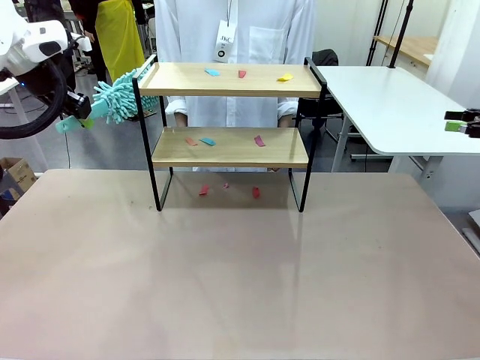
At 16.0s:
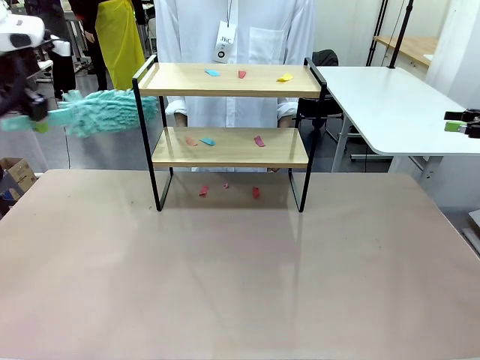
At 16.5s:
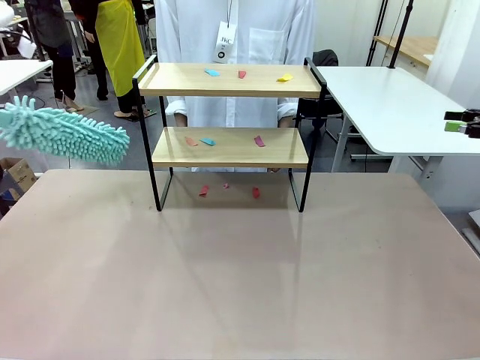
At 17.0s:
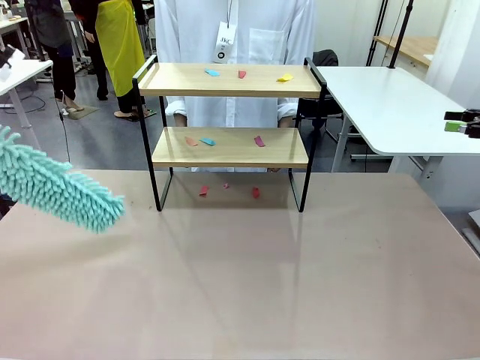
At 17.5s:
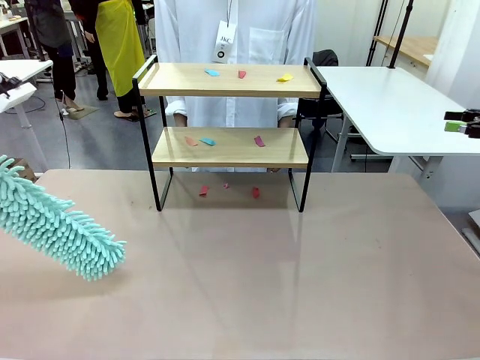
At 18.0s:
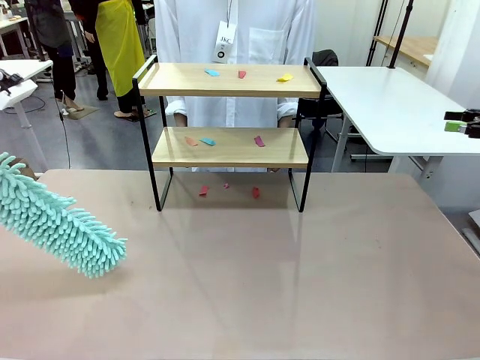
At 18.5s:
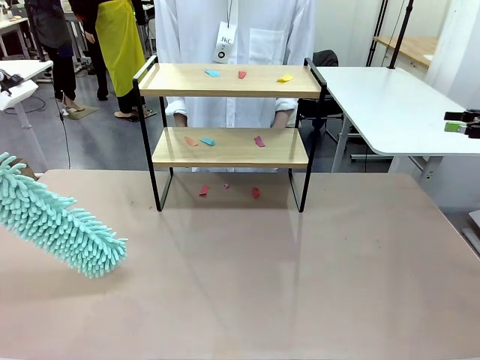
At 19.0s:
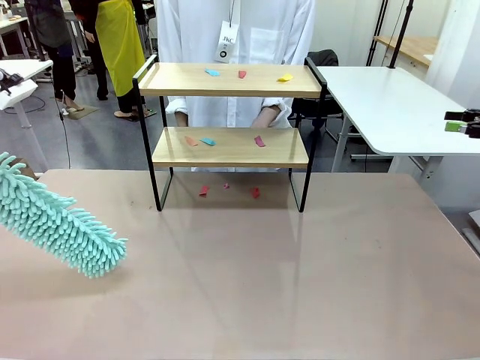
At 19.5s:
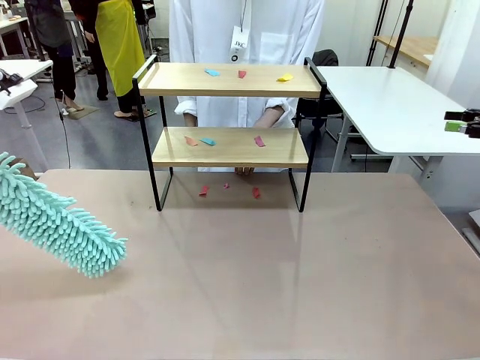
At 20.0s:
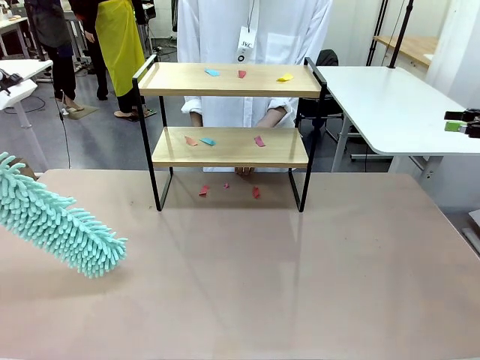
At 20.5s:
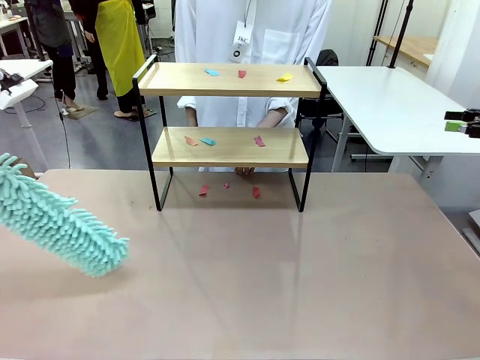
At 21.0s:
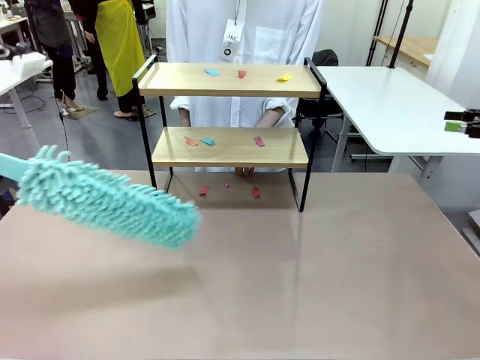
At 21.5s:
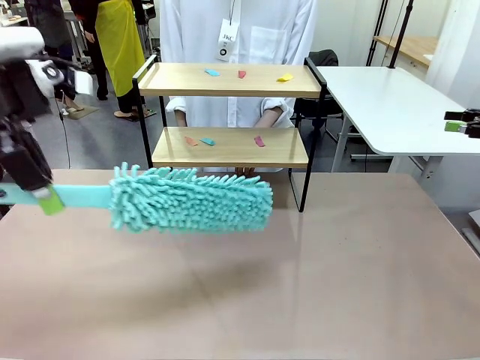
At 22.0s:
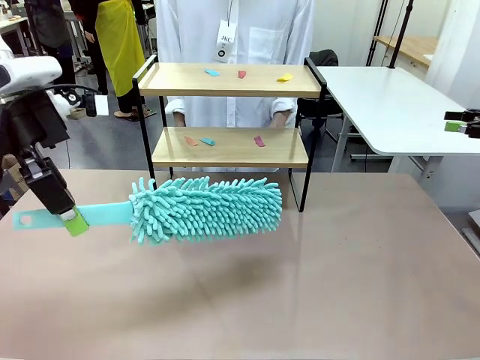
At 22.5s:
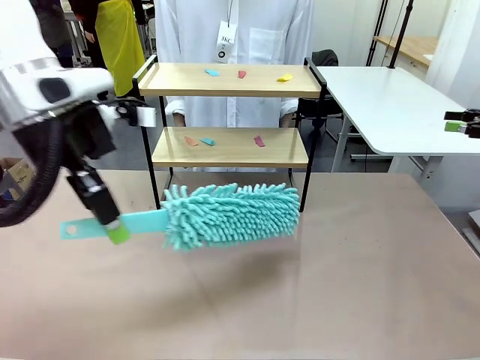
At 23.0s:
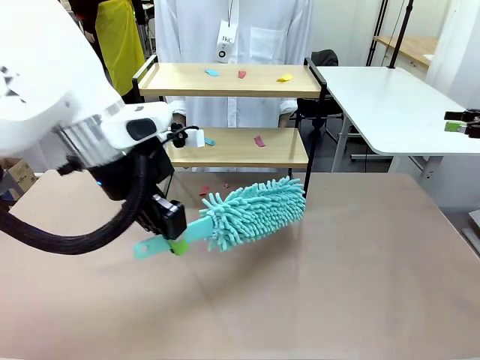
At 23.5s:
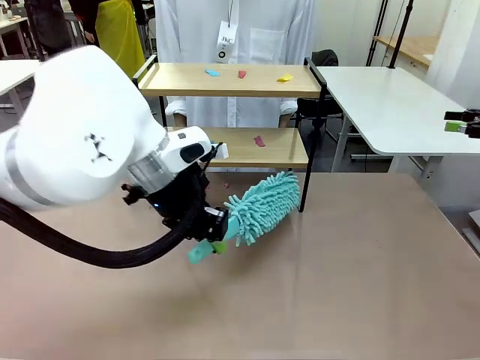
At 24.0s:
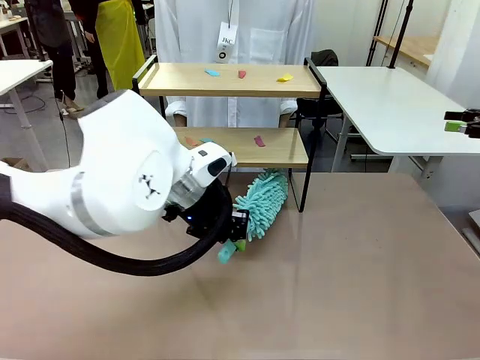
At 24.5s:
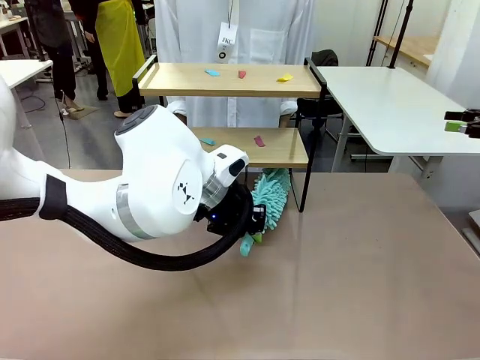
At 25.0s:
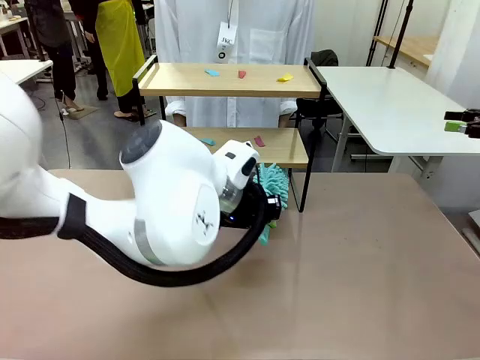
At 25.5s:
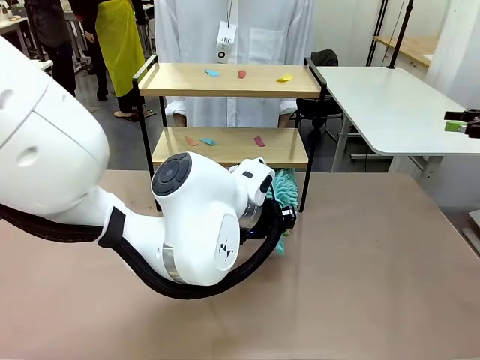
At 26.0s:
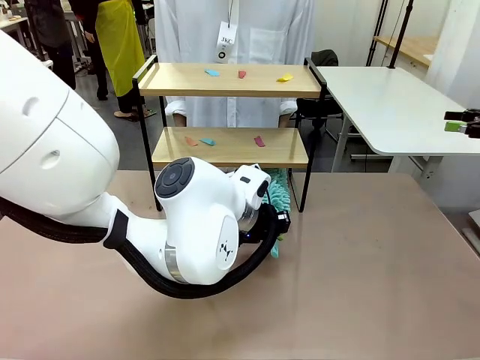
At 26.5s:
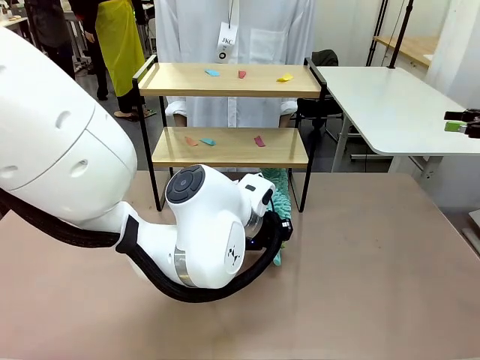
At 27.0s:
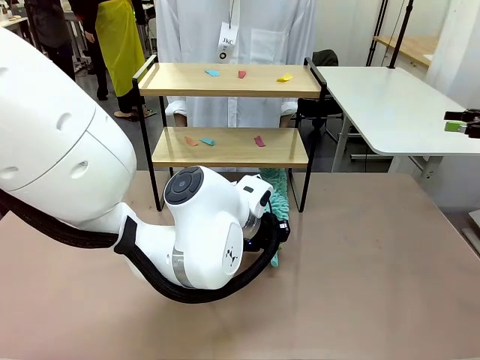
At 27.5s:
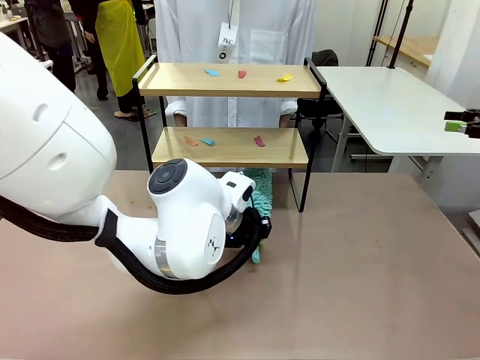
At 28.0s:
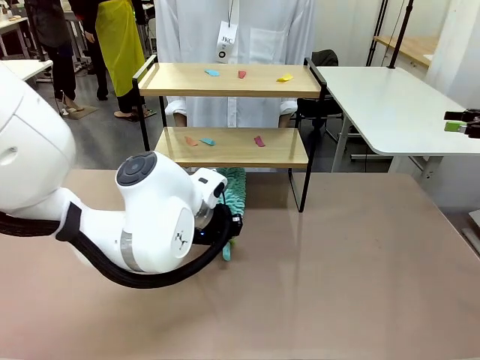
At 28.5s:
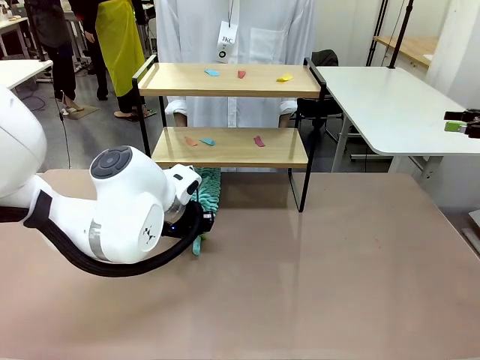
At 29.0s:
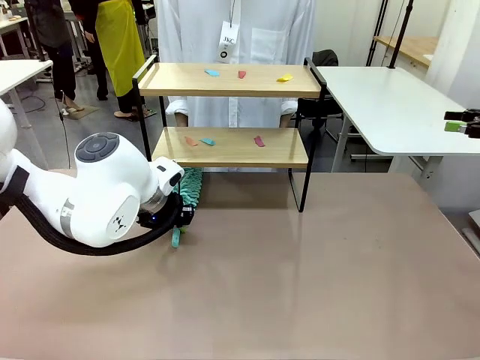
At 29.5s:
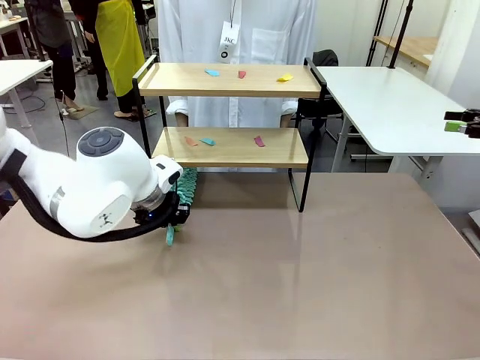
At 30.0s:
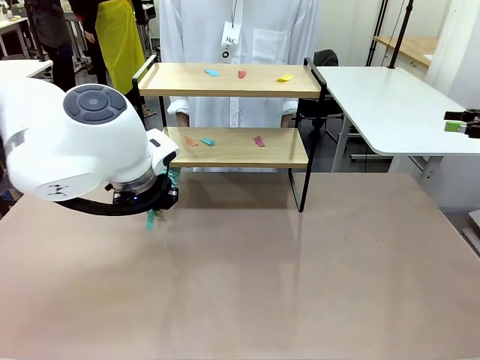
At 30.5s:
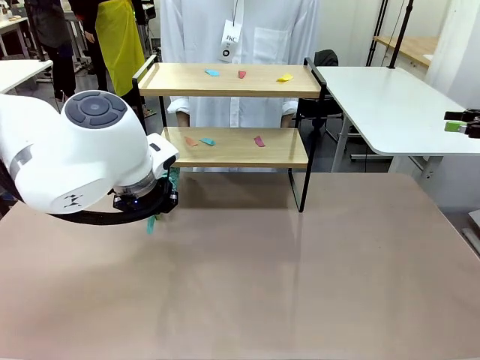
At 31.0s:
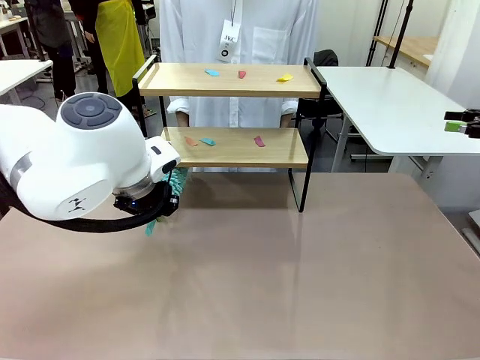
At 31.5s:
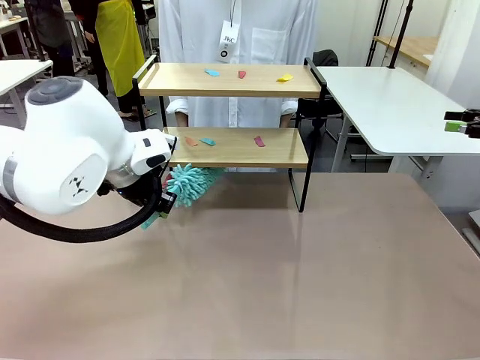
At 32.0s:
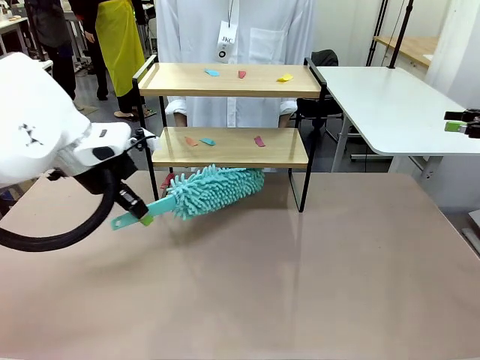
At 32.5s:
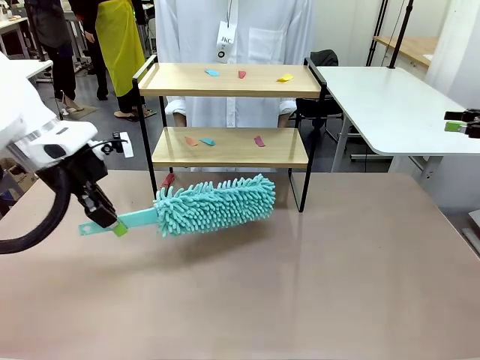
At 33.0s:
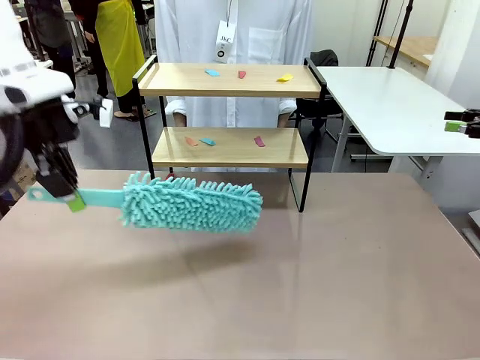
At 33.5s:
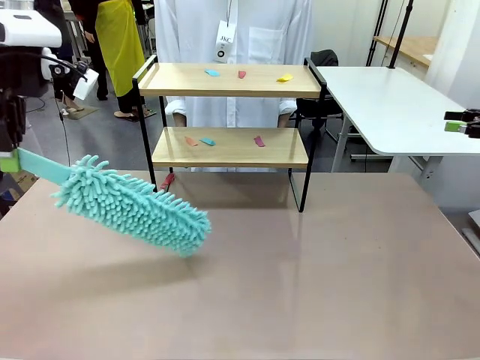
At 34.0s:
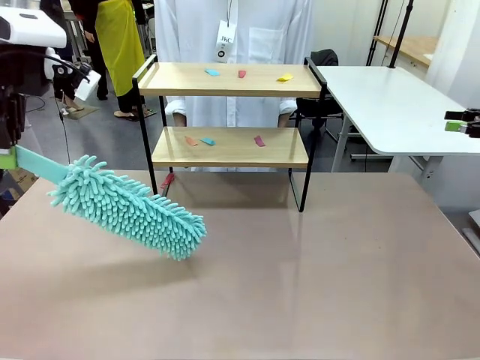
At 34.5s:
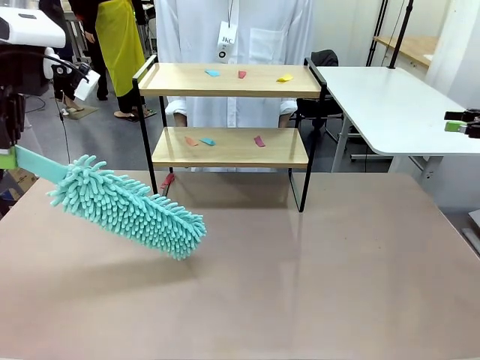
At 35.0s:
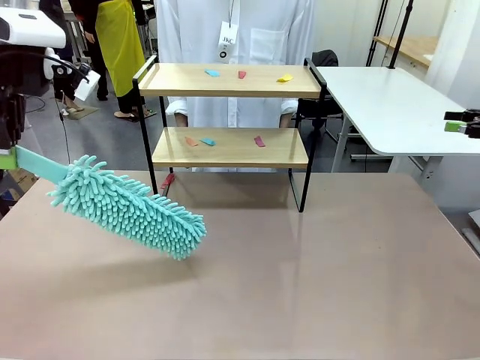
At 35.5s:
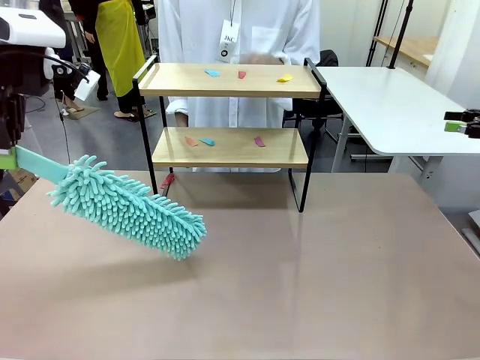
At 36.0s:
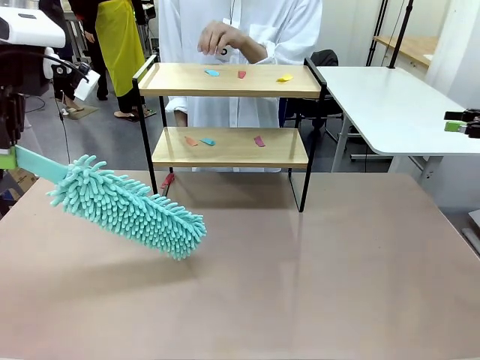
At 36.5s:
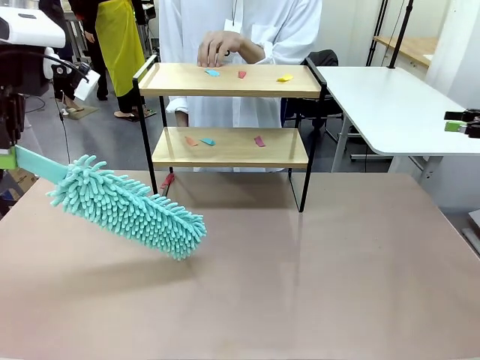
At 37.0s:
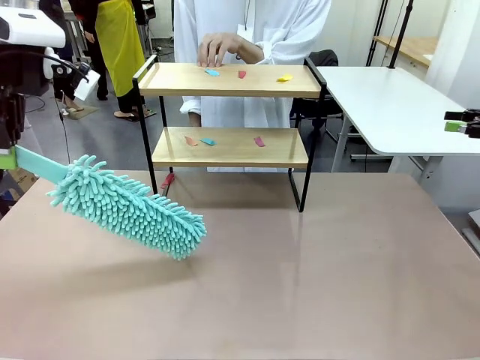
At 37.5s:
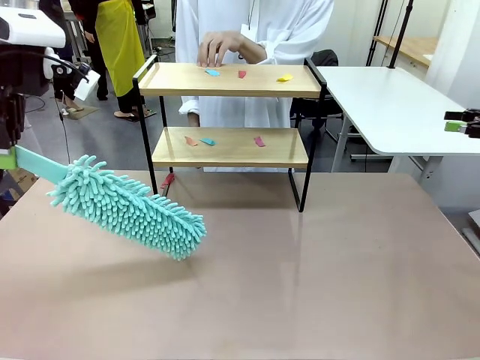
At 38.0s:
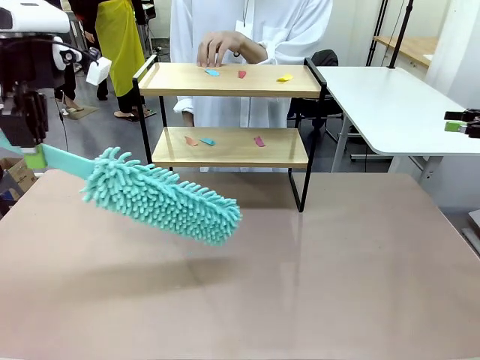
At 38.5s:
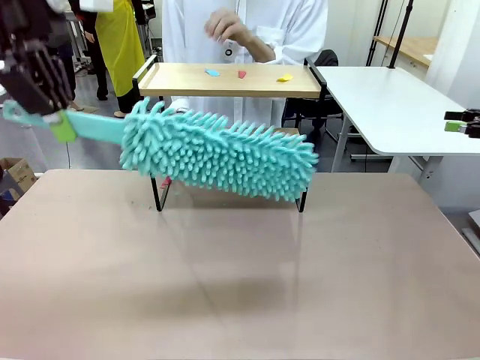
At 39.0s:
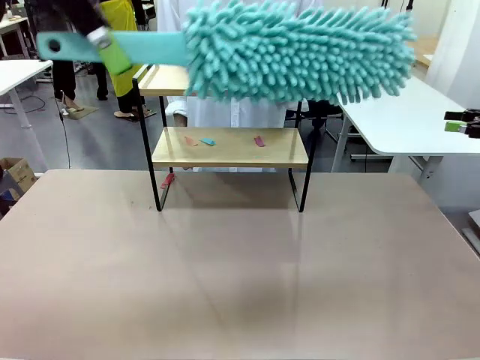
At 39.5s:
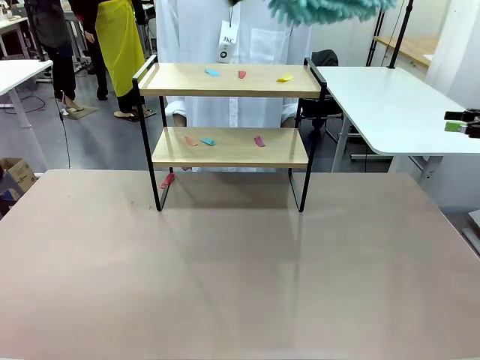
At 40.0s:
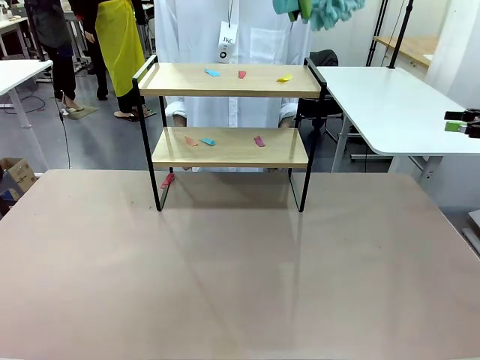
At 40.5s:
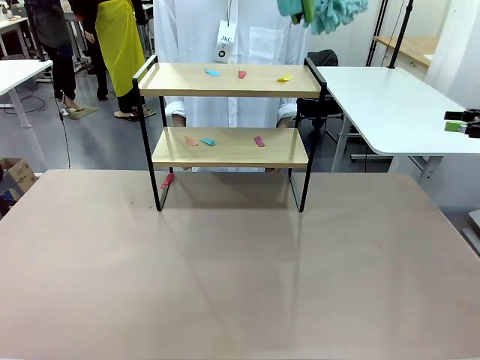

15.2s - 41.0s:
Task: Clean the shelf.
Robot: Clean the specific section of the Shelf indicated by the human with the Duster.
Person: Point a random section of the Shelf.
